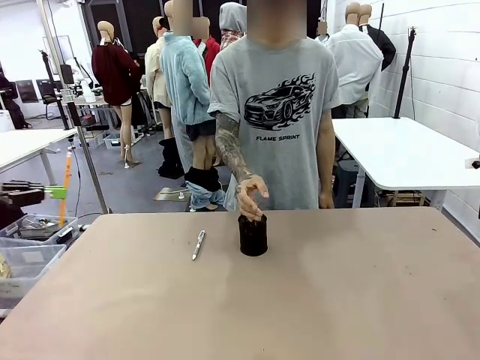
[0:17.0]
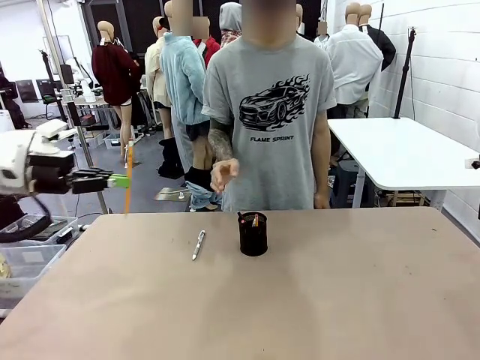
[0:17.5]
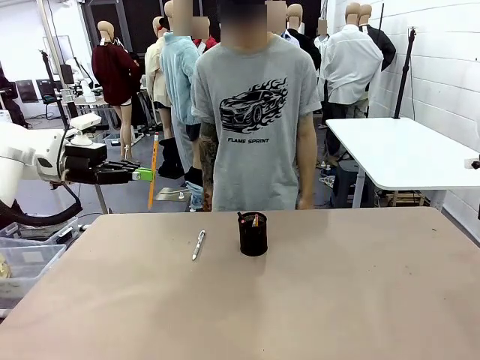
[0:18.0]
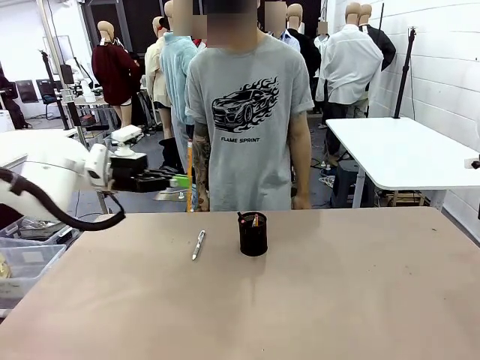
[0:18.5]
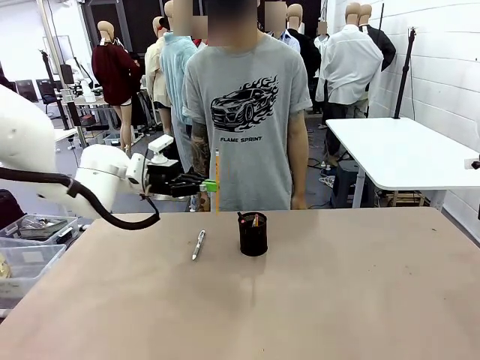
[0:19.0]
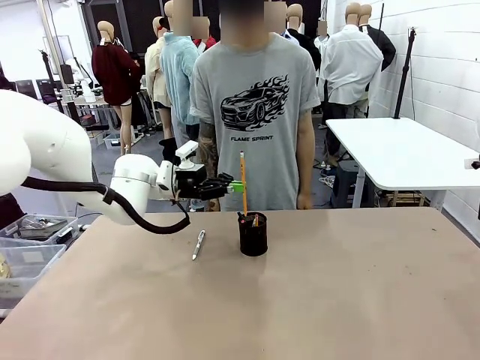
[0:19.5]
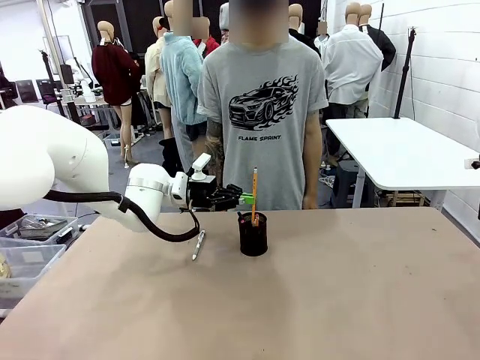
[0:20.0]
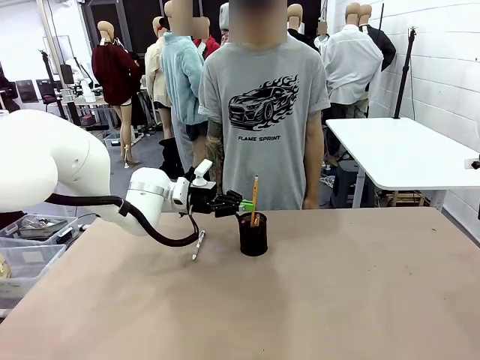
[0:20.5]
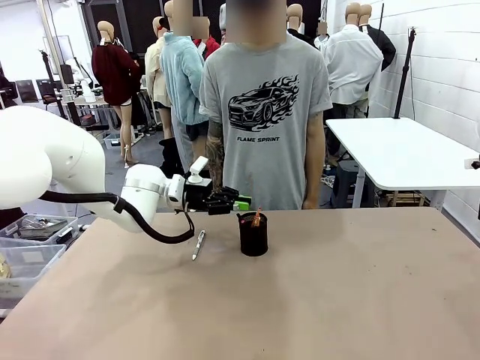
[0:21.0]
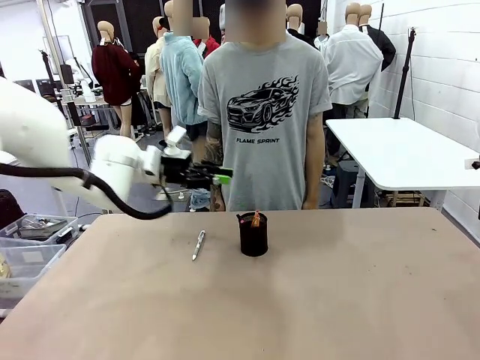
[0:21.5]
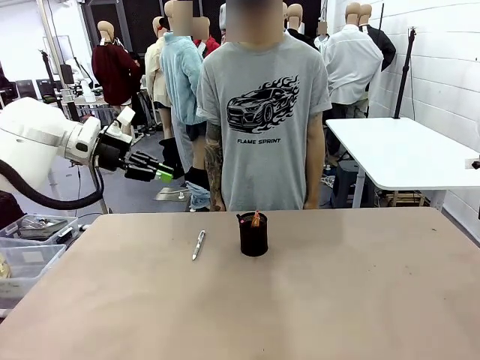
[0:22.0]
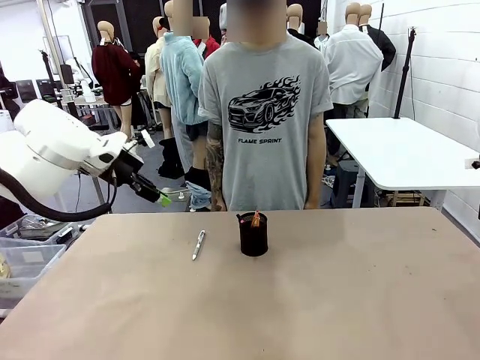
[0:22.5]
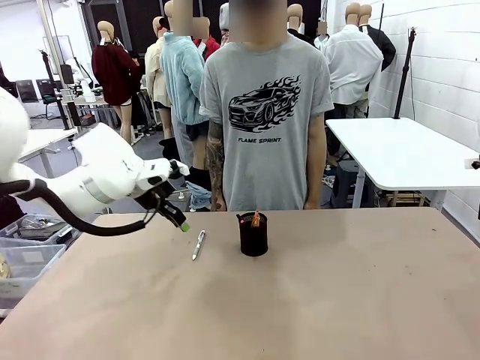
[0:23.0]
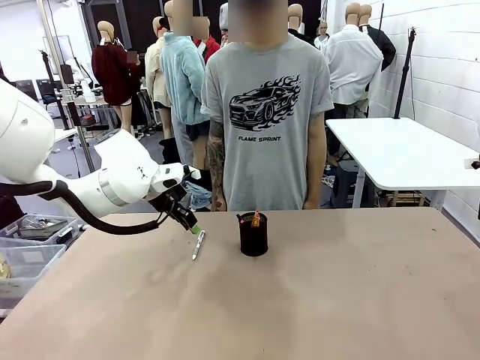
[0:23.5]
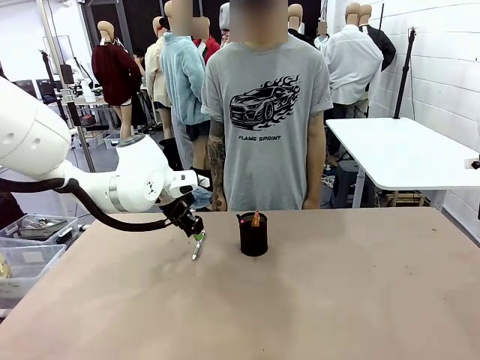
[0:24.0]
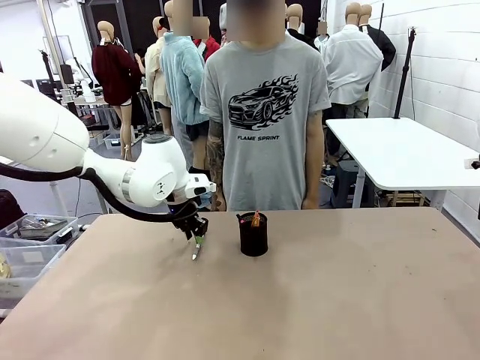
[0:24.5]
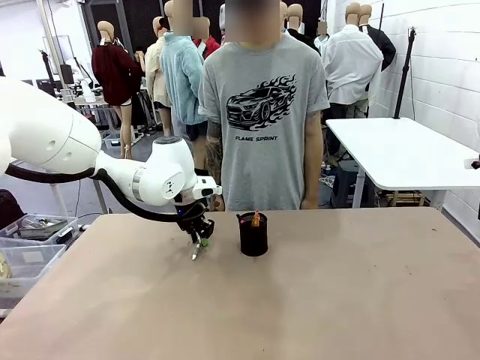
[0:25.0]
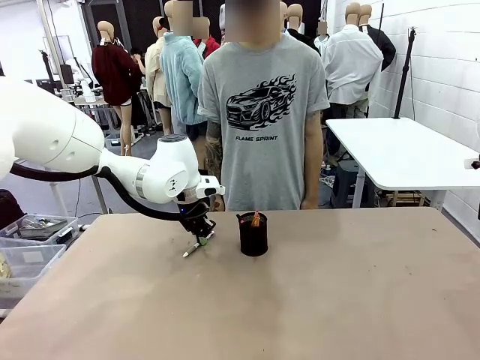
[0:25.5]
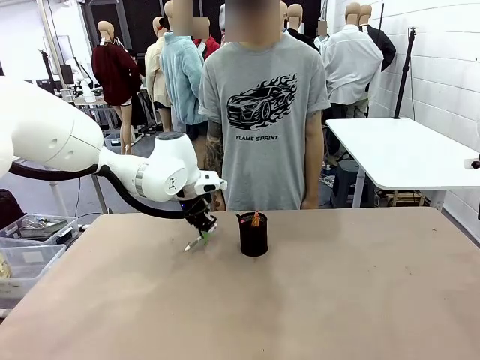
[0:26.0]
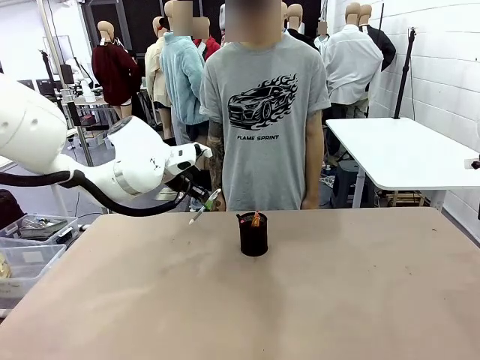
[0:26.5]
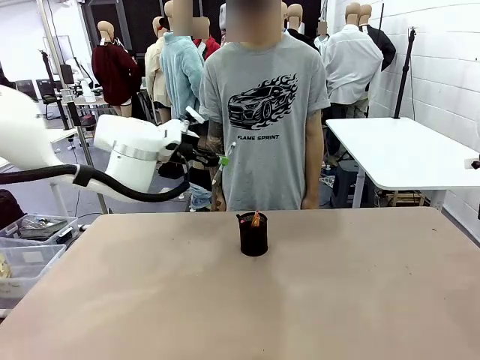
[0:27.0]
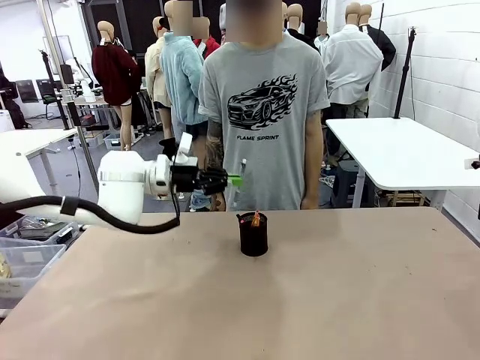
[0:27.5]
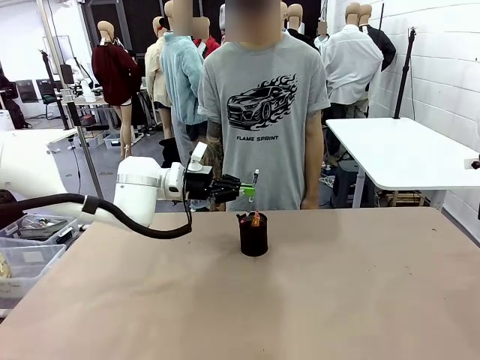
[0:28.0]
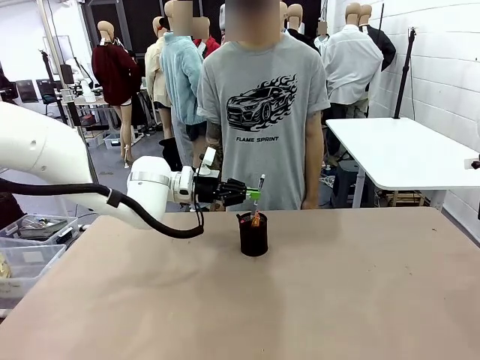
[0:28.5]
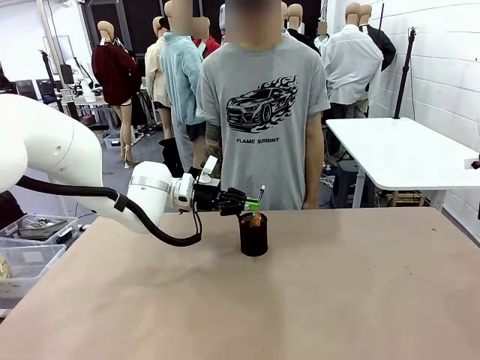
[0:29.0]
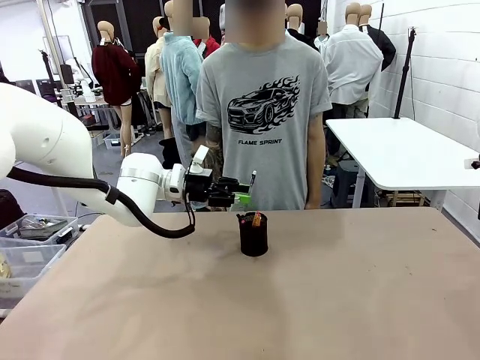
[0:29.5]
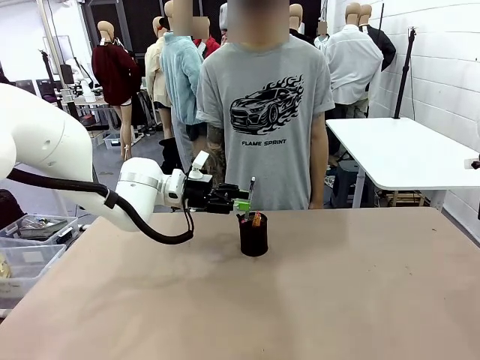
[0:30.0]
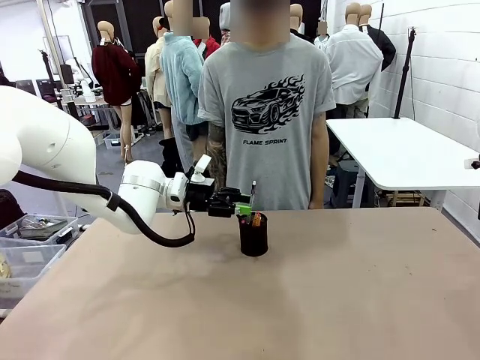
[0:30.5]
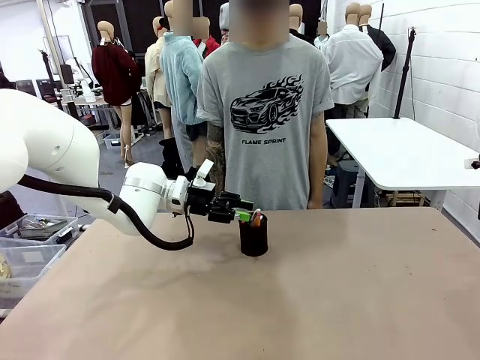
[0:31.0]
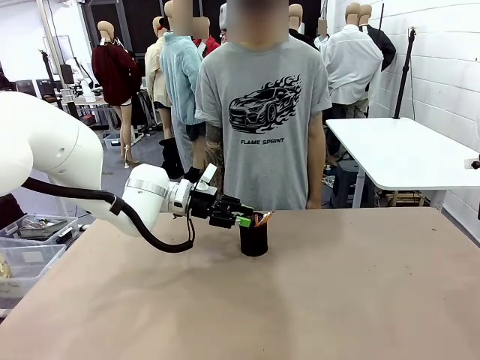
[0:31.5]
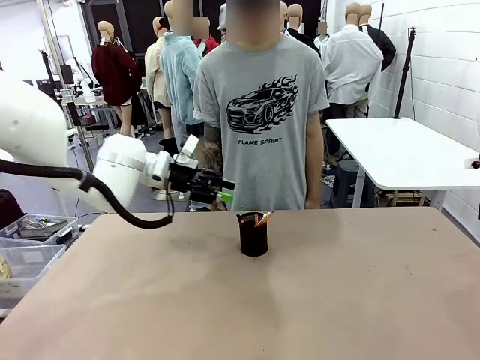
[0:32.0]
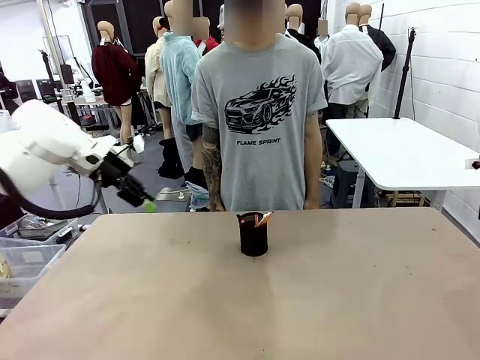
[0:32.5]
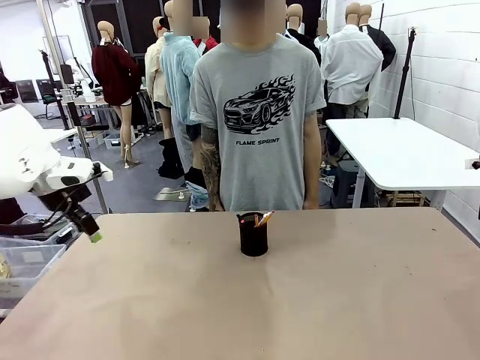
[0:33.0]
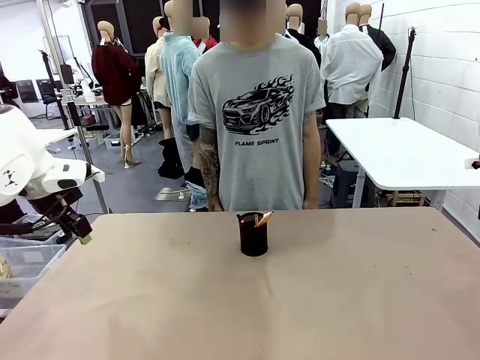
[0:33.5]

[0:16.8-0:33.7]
Task: Place the pens into the pen holder.
Robot: Pick up a writing instrument from the table and place it into the Pen holder.
Person: Place all writing instrument into the Pen holder.
